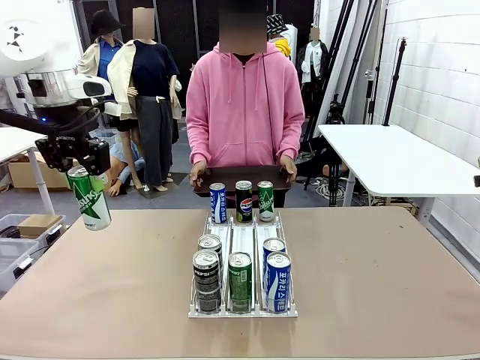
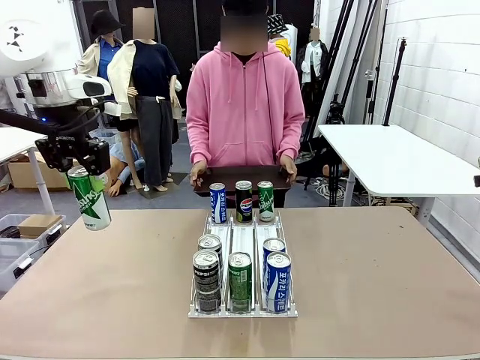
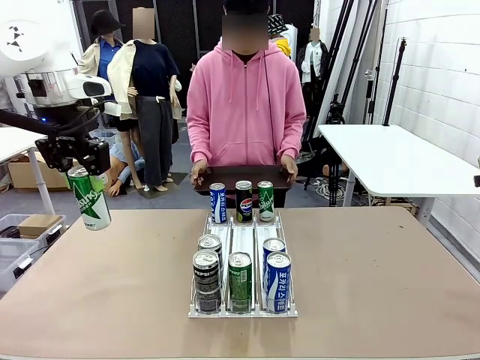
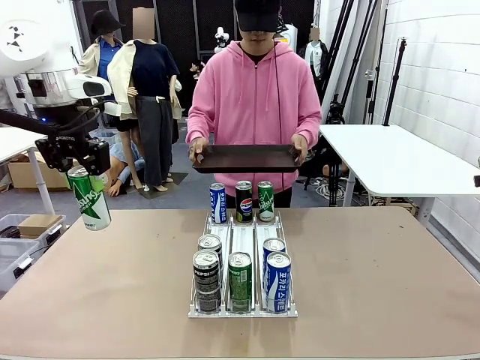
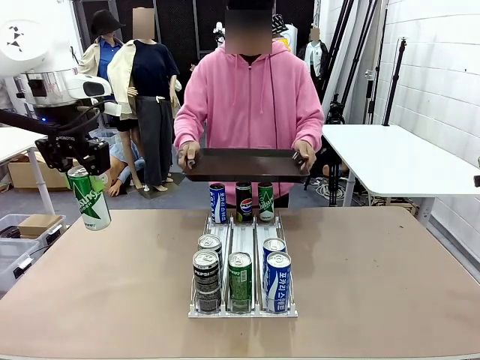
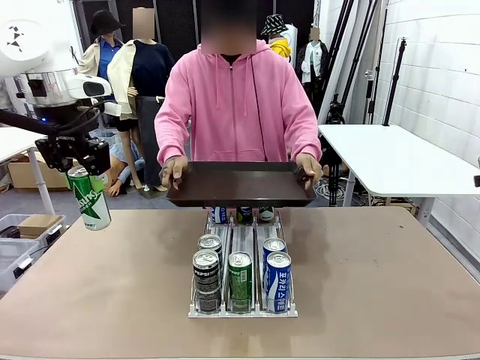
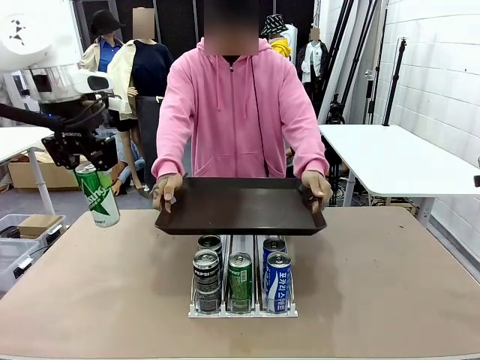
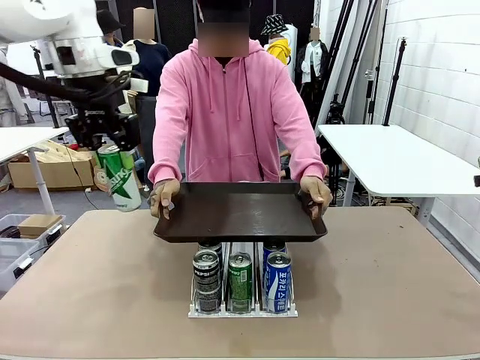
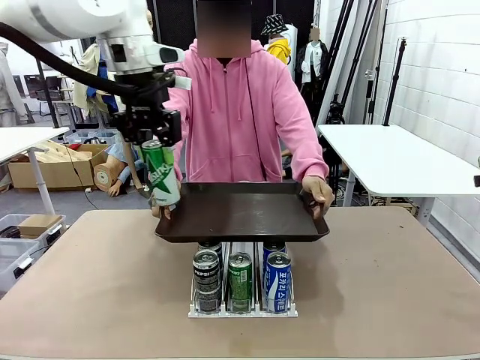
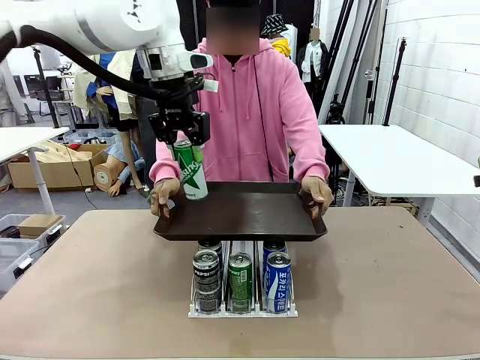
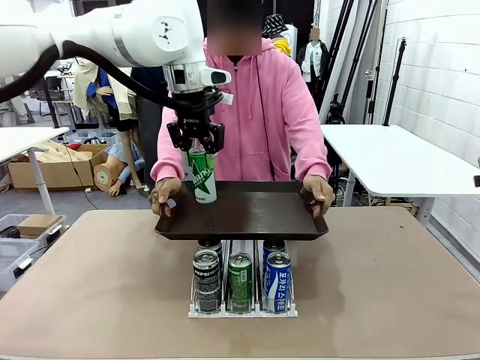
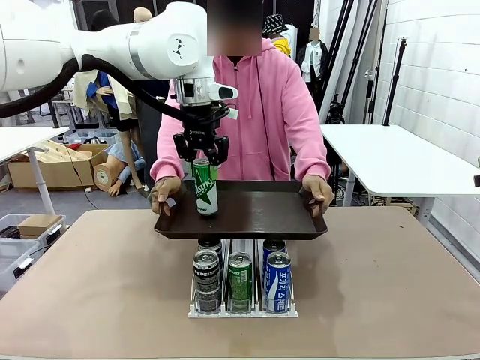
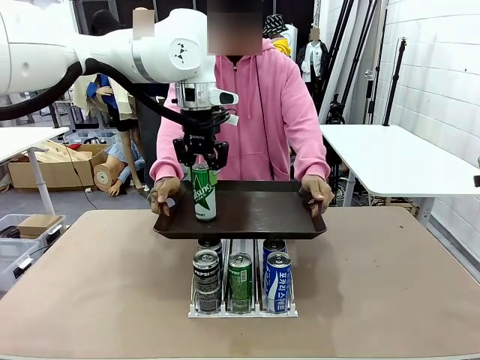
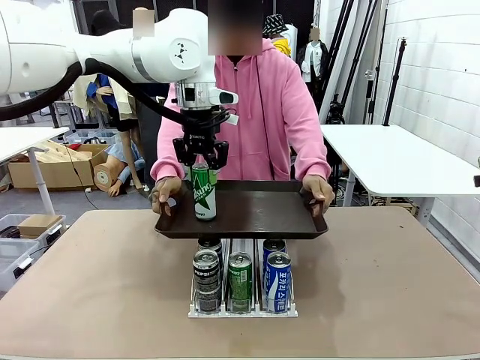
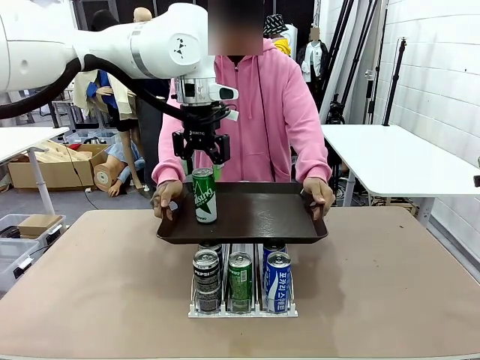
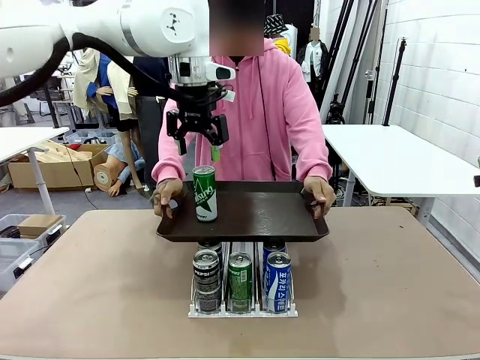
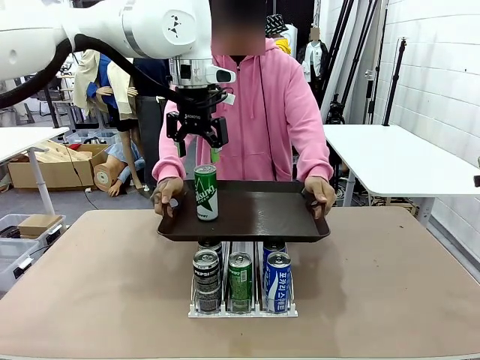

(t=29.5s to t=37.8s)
Task: Retrieve and hand over the desired beverage to the person.
Robot: Place the picked can on the Handle tray extended by the person.

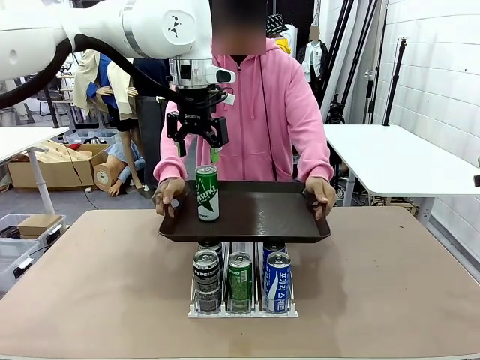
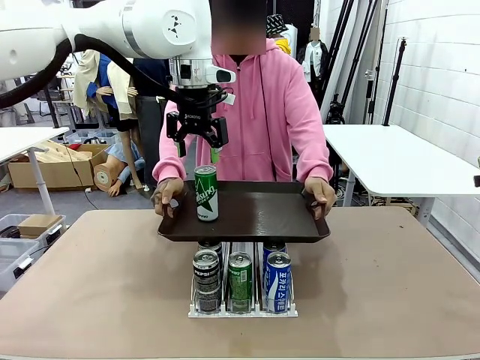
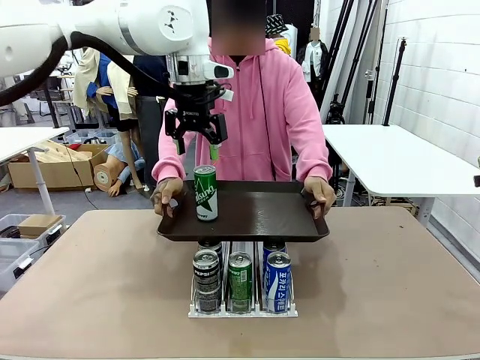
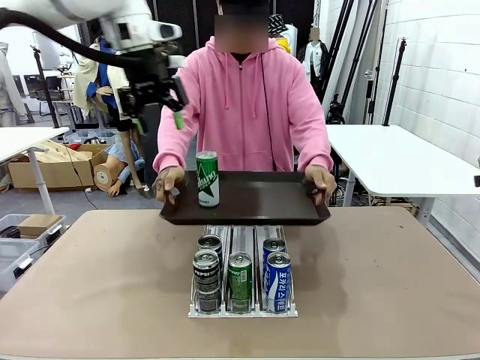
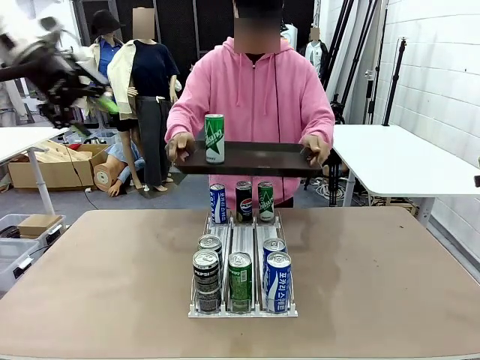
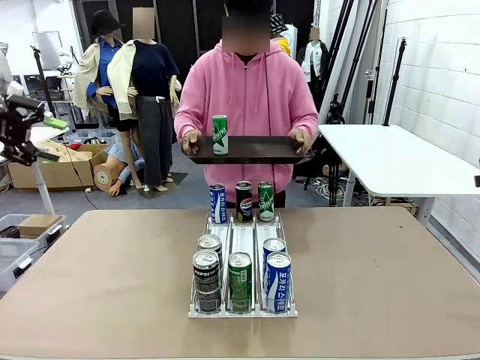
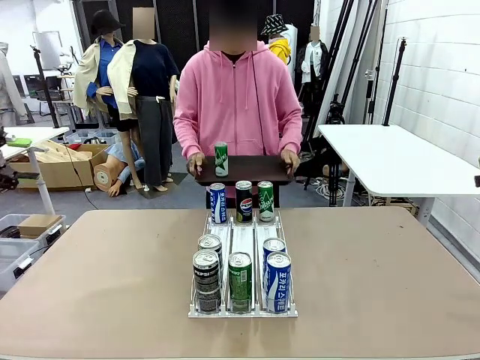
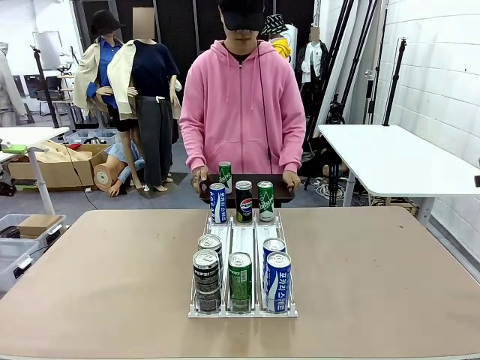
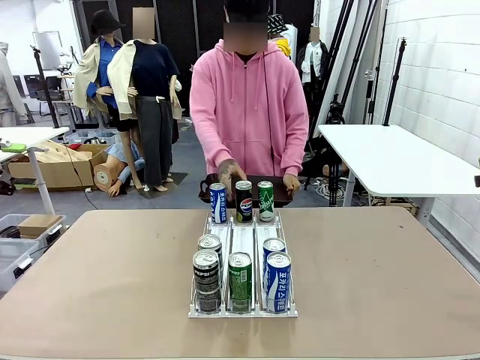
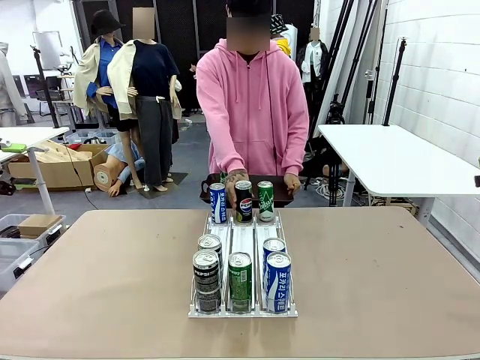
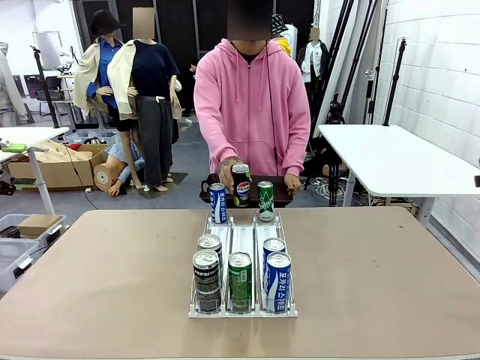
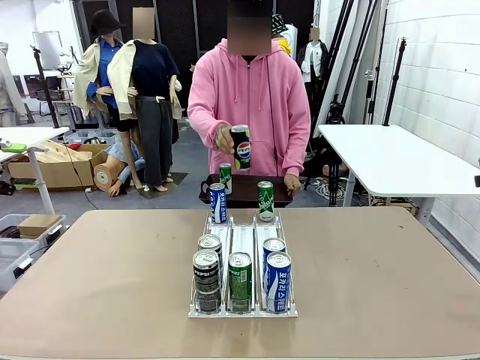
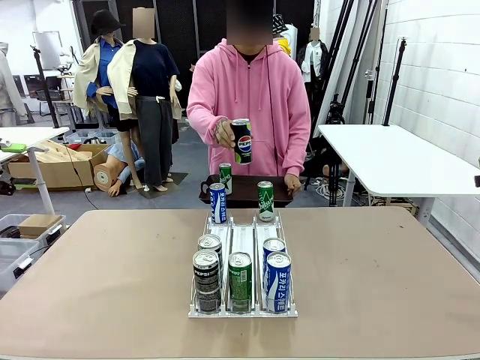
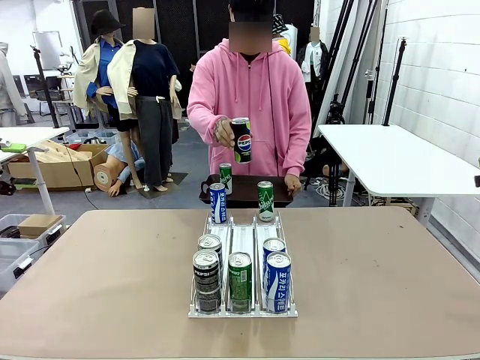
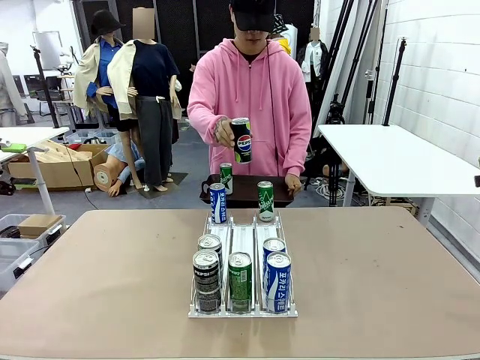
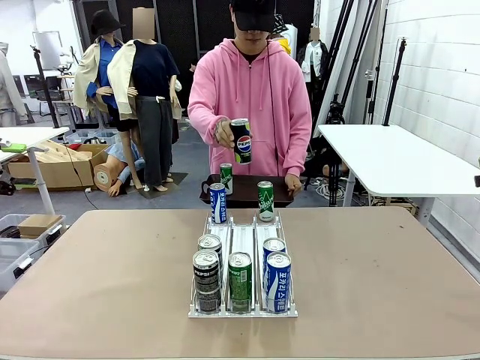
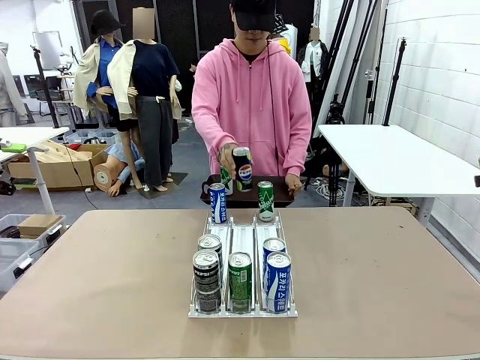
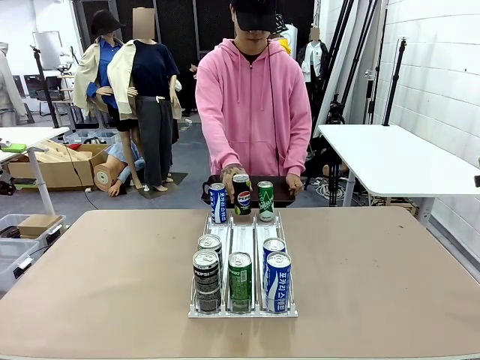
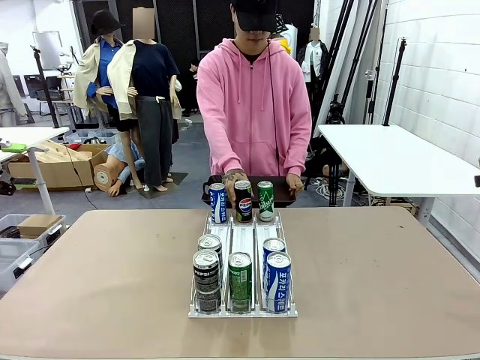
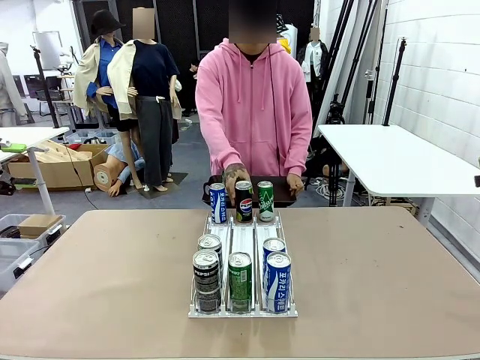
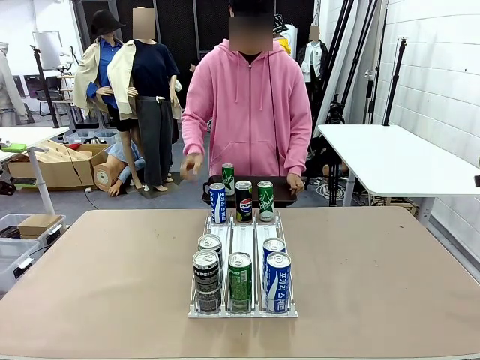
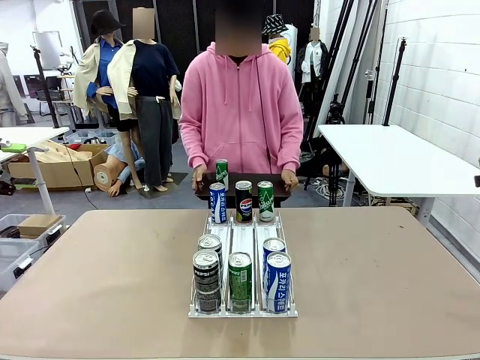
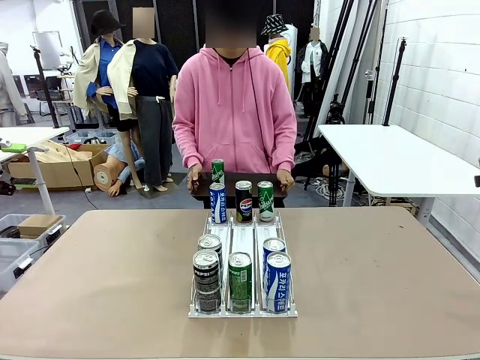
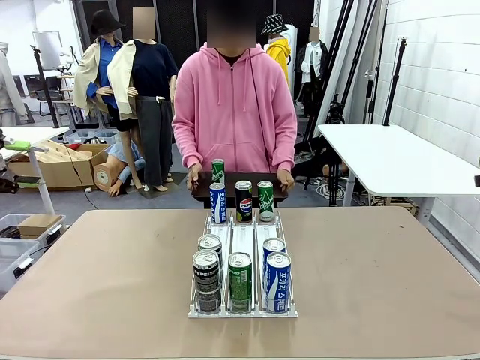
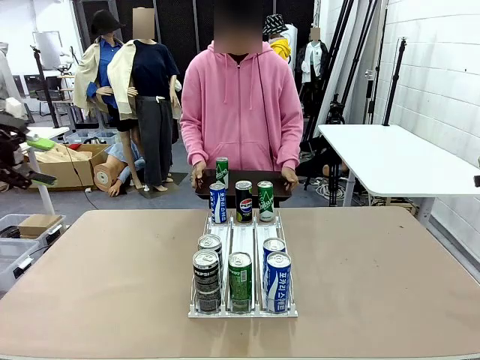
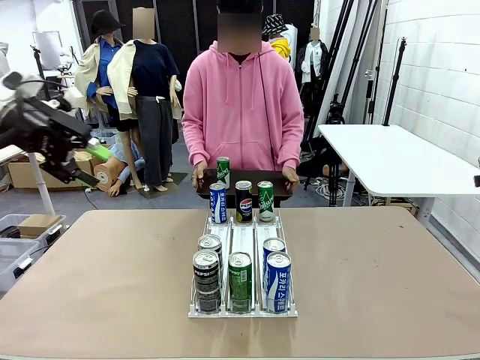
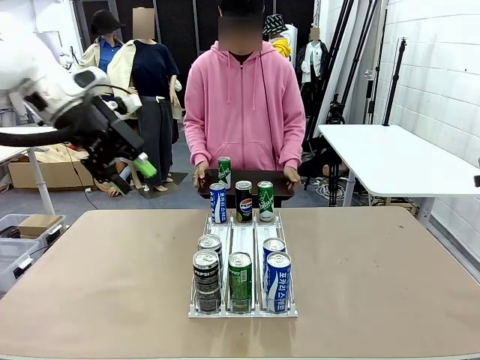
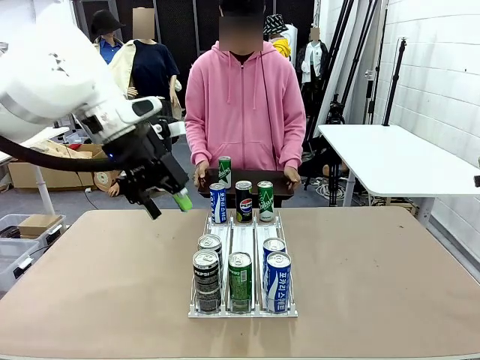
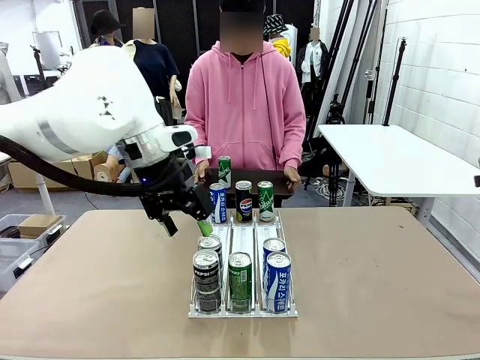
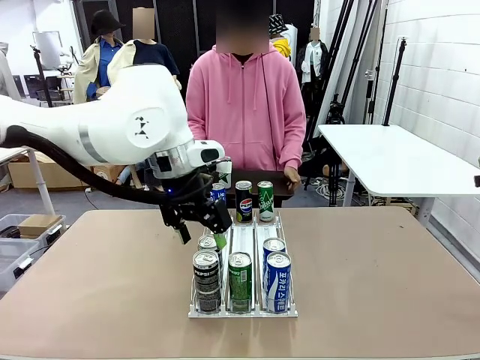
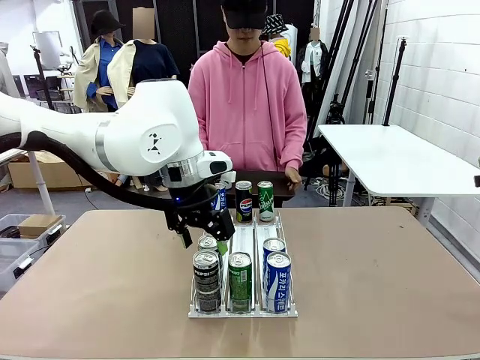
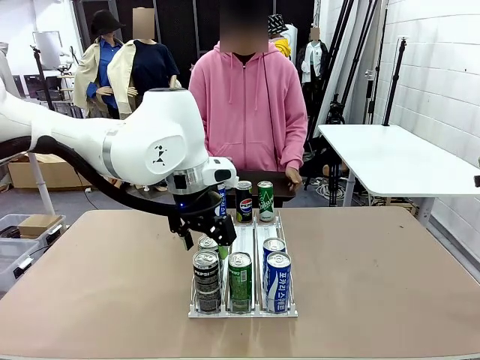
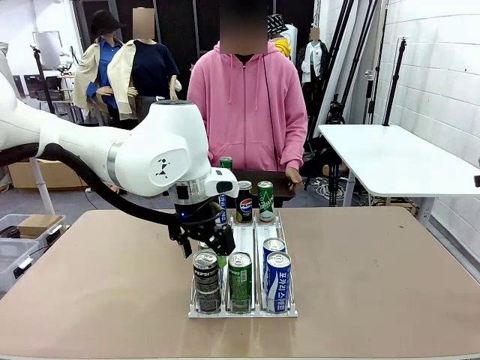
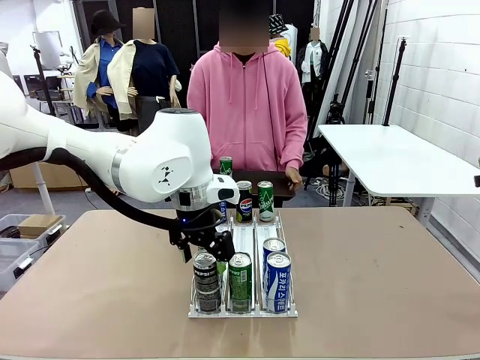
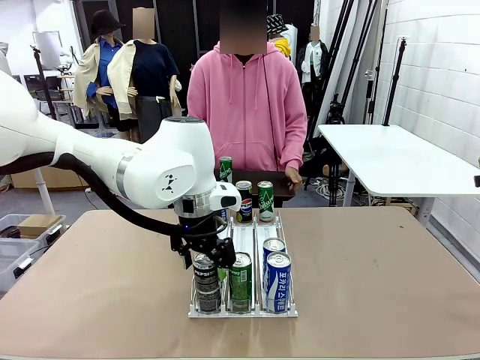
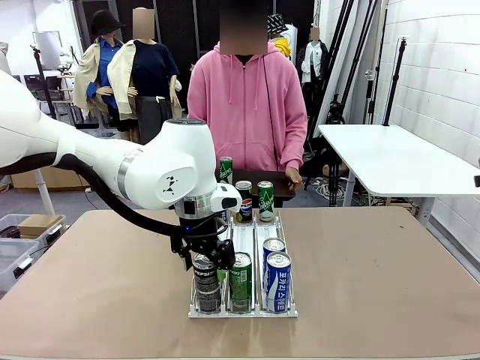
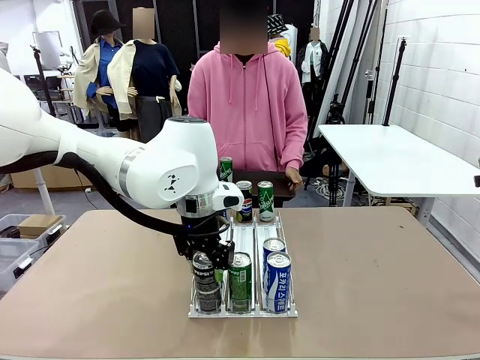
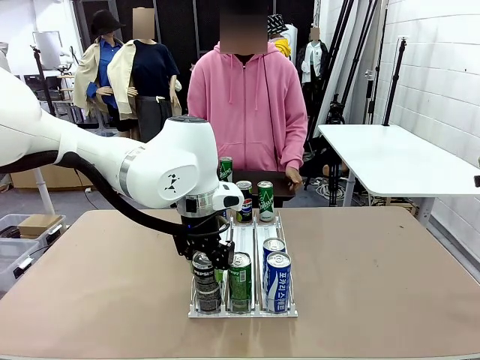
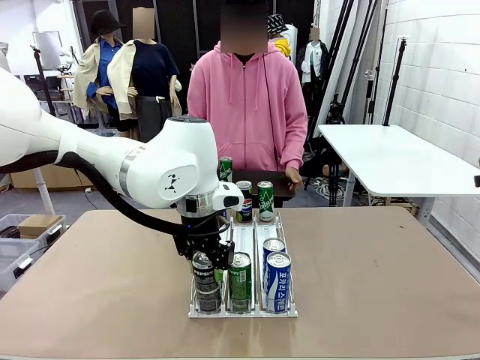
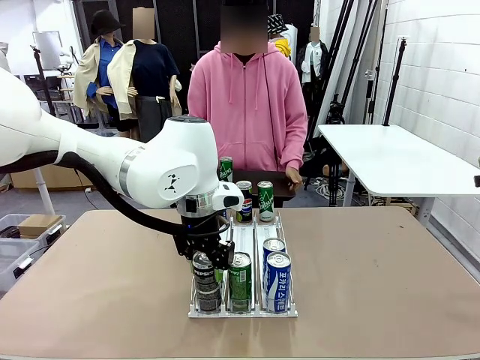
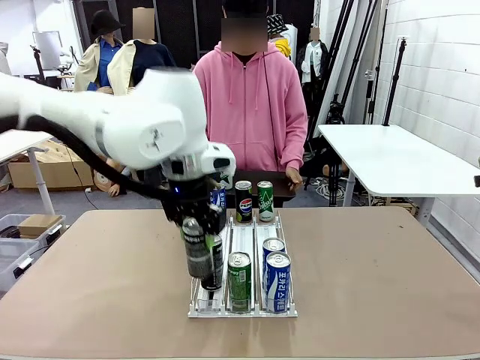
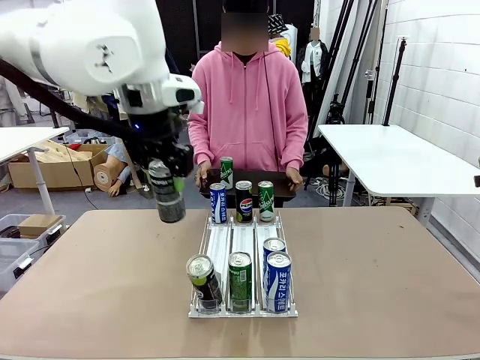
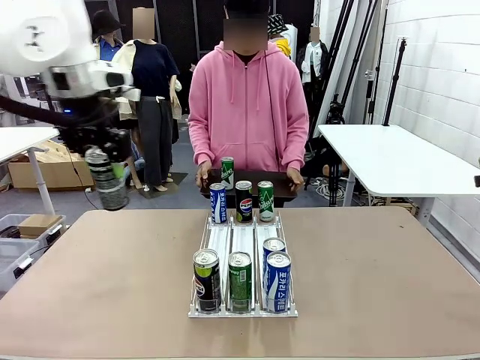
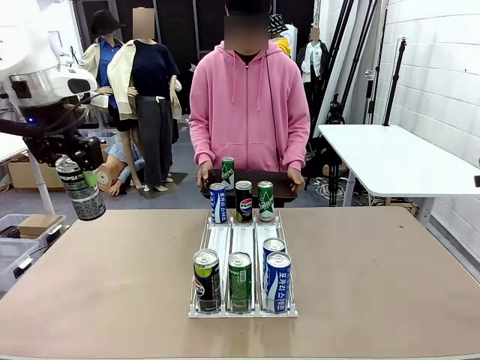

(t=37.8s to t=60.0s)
Robot: Pick up another can of the same type that the person held from the Automatic Can Dispenser.
Person: Pull the tray back, then pick up another can from the bottom area of the table and puts it back in its original place. Push the tray toward the robot again.
